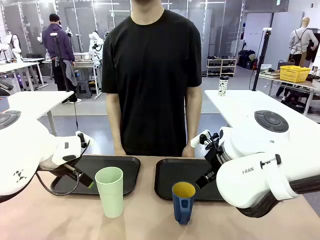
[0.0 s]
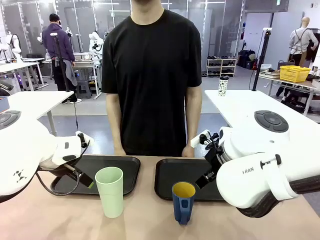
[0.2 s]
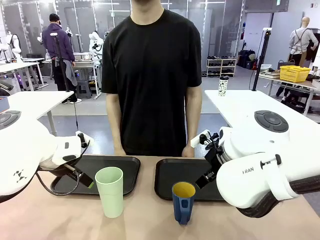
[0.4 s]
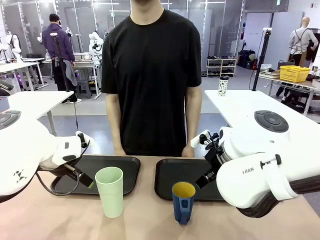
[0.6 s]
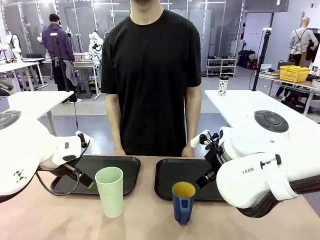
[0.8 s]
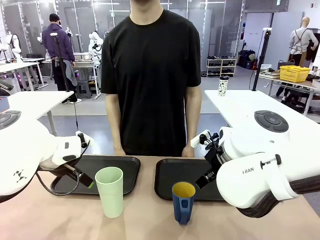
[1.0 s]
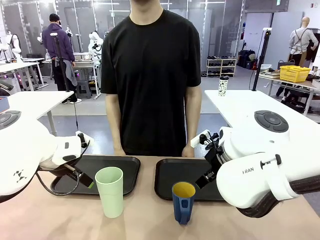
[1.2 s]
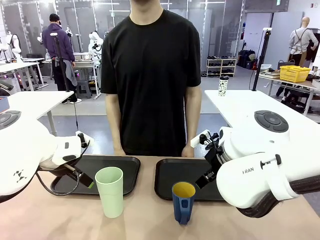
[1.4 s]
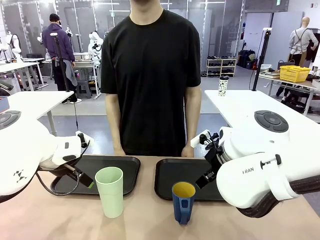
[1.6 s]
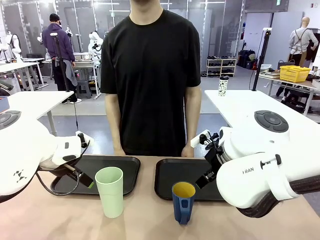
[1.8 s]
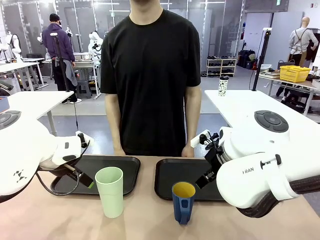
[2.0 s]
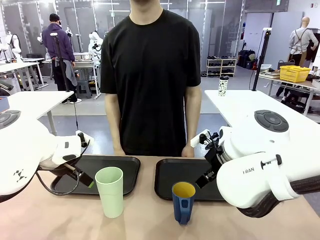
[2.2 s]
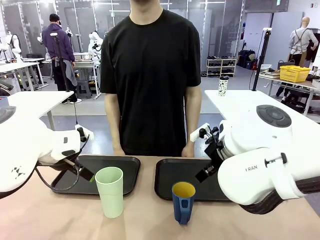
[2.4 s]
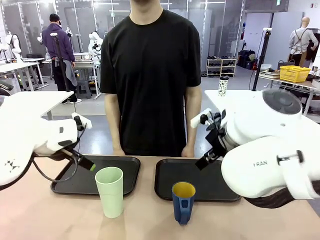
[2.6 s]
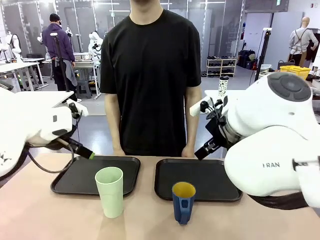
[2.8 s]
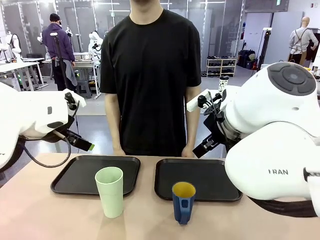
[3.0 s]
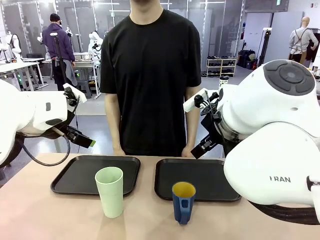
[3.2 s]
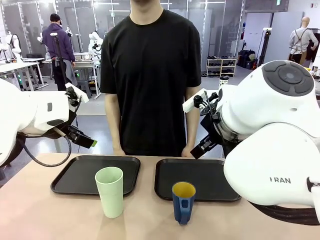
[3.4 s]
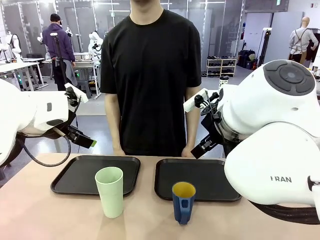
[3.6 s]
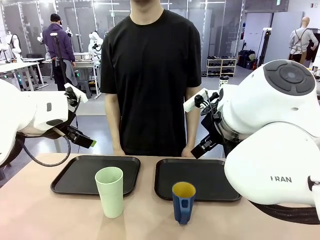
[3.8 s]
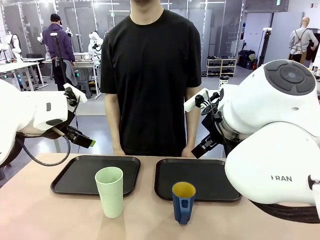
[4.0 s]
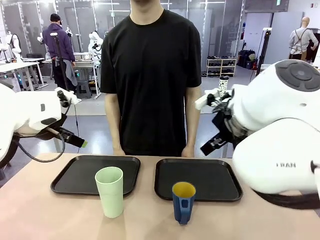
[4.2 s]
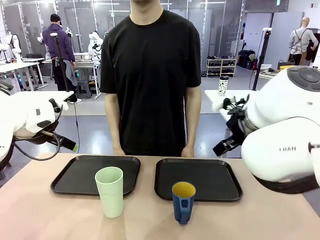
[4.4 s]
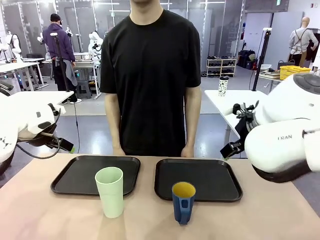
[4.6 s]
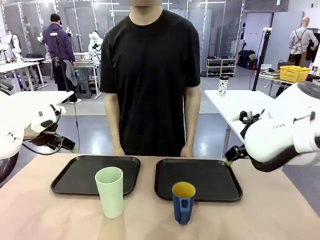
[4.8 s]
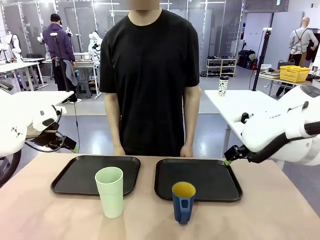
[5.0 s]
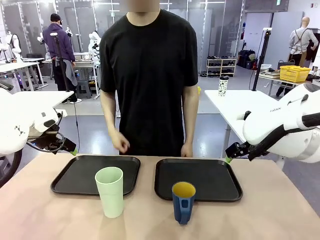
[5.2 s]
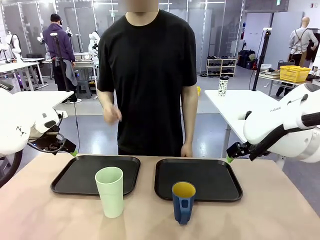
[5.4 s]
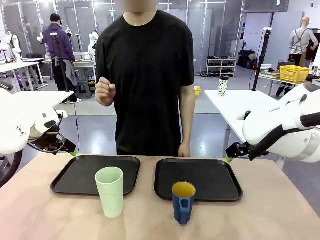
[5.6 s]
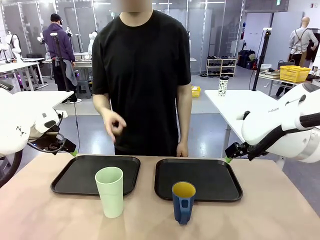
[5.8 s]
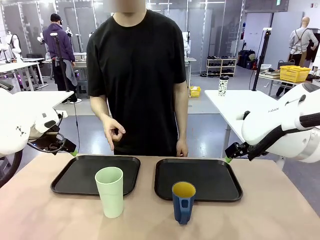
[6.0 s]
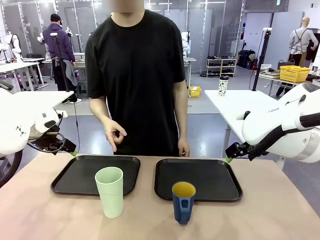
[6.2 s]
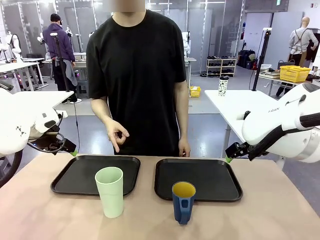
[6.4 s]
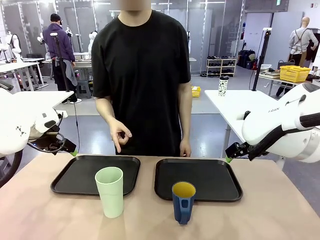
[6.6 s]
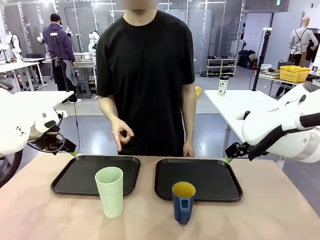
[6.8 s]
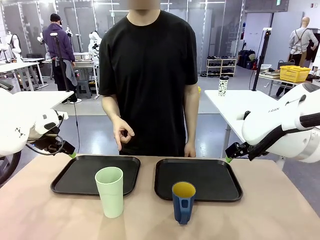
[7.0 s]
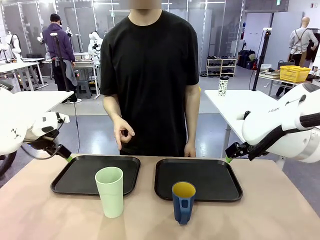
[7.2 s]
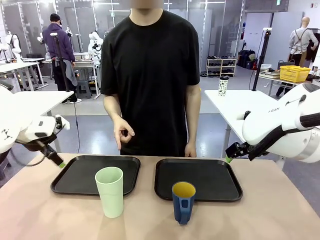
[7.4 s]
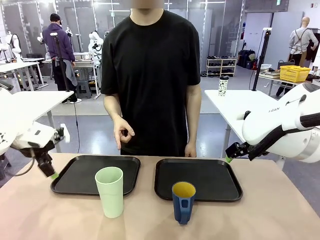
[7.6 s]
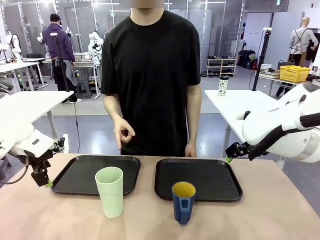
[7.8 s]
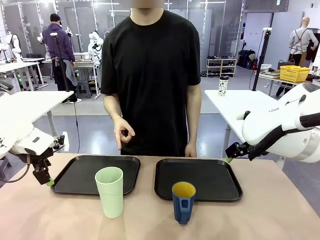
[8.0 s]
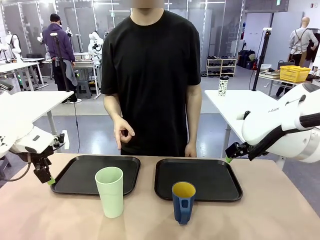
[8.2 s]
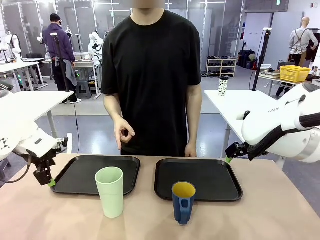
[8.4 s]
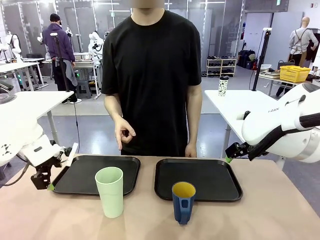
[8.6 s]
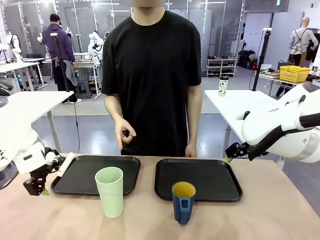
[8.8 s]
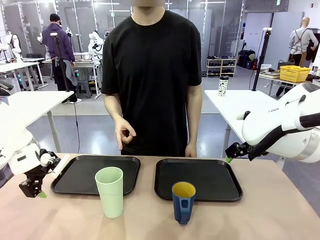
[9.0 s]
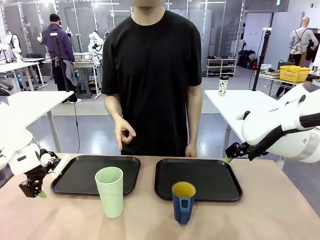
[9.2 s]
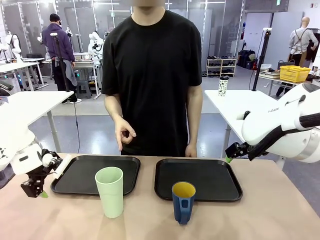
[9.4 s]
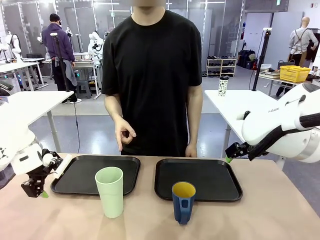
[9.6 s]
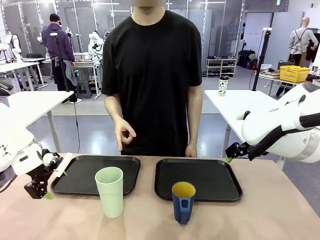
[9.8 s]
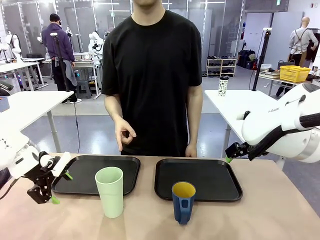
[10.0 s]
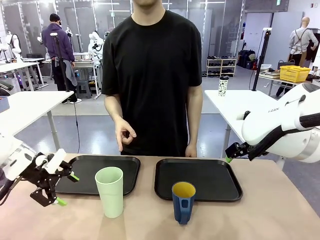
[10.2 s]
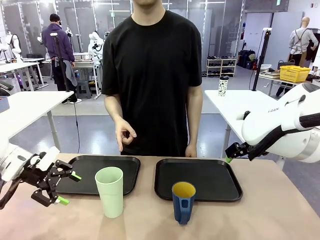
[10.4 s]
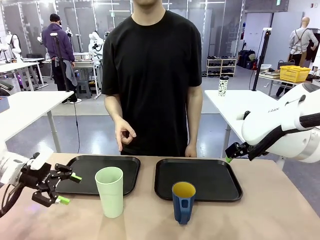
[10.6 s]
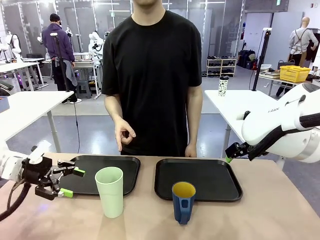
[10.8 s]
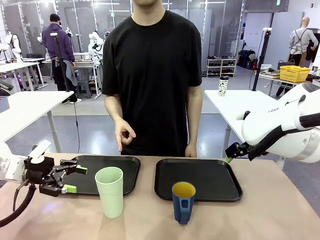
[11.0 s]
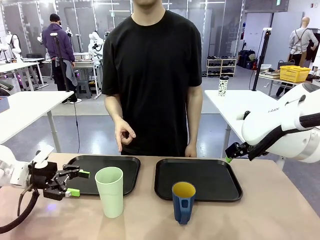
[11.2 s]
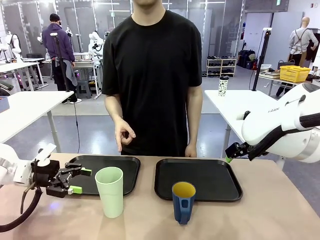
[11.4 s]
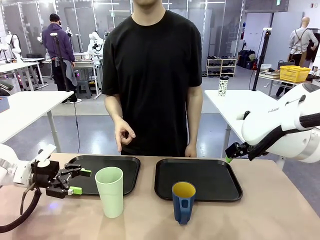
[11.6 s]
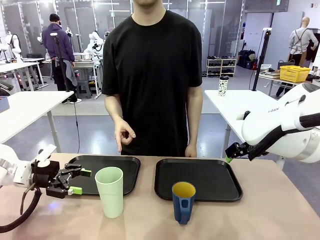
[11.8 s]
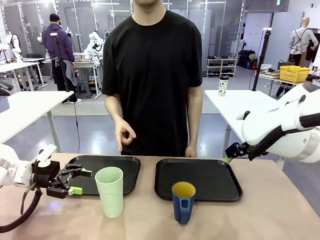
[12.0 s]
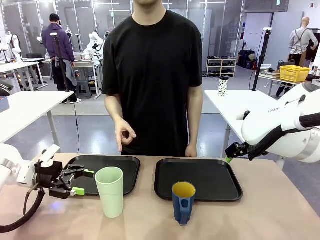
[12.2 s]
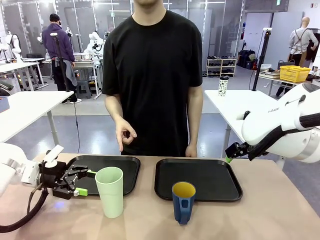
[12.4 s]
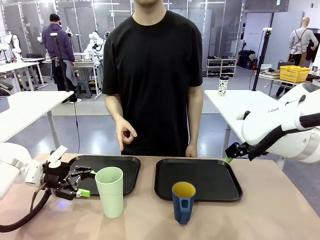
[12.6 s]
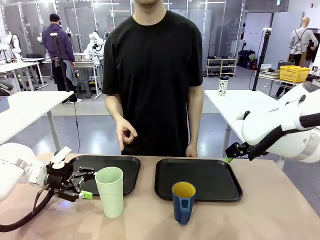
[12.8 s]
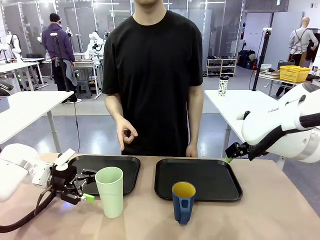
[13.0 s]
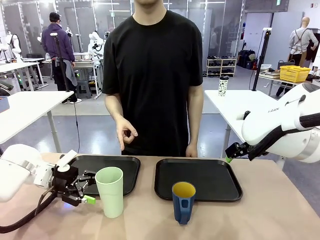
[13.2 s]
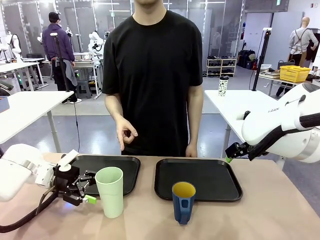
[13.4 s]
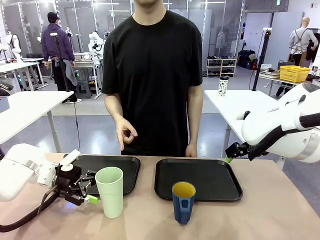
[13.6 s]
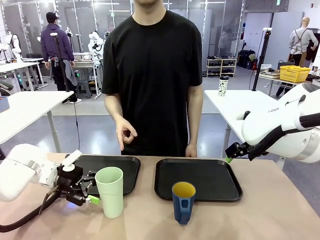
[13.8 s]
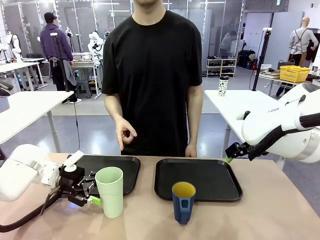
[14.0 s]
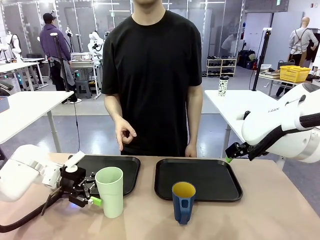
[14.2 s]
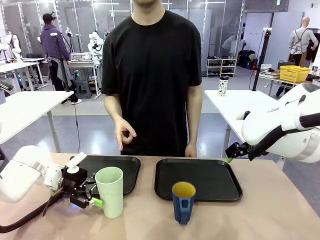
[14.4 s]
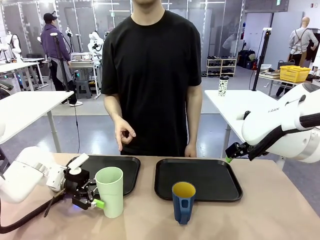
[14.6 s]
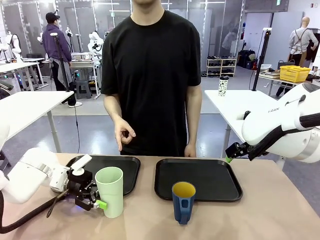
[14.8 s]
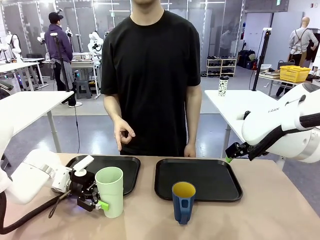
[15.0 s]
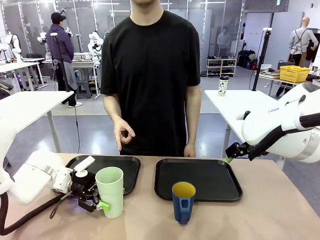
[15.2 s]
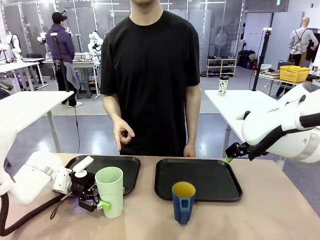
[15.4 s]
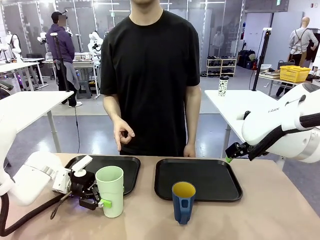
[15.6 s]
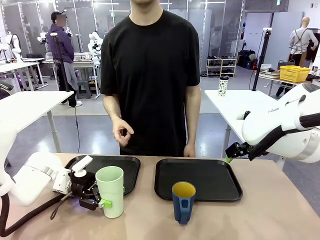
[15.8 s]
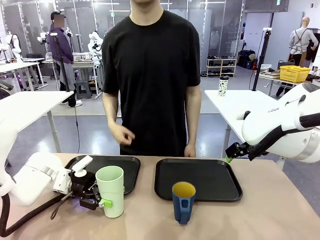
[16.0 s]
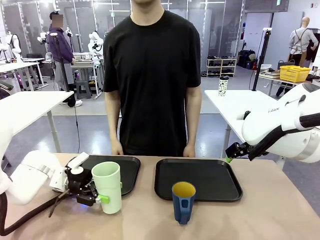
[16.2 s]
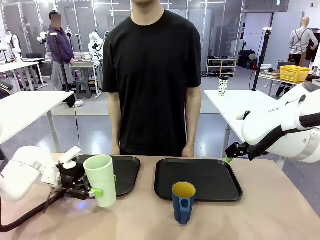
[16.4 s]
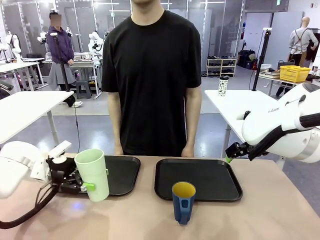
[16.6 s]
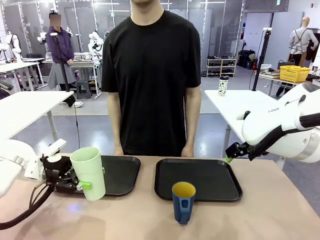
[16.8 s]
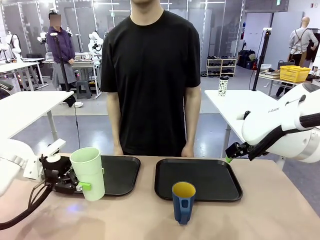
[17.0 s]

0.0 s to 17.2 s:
Task: Sort and store the cups by type.
Robot: Pick up the Reusable plastic cup.
Person: Points to the reusable cup. Point to one of the two trays.

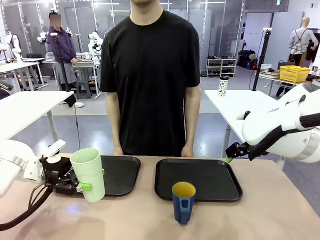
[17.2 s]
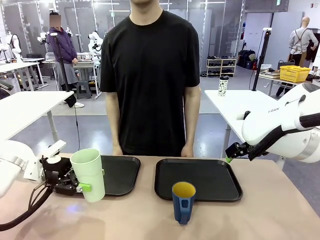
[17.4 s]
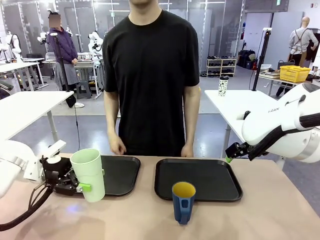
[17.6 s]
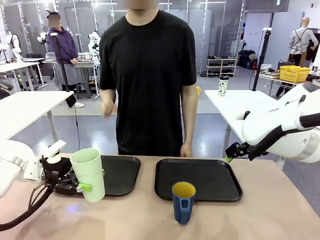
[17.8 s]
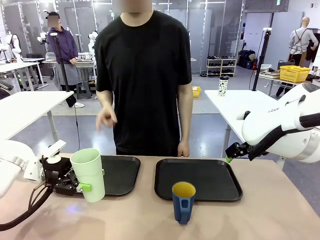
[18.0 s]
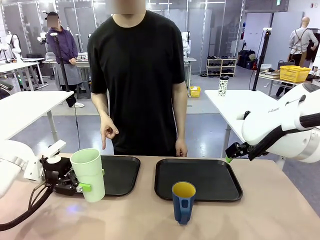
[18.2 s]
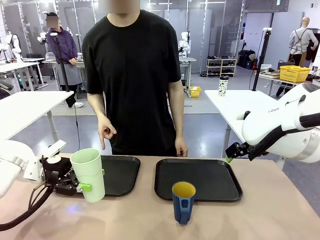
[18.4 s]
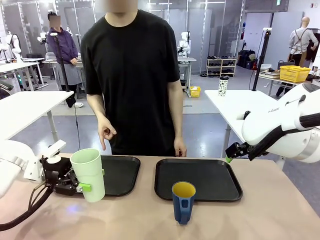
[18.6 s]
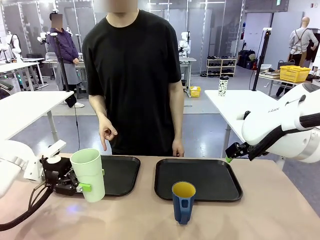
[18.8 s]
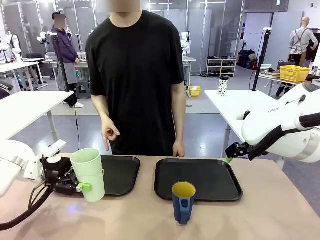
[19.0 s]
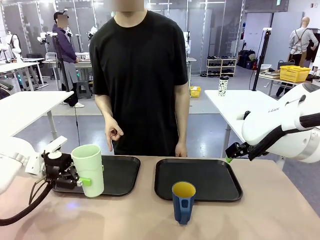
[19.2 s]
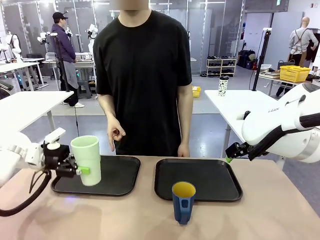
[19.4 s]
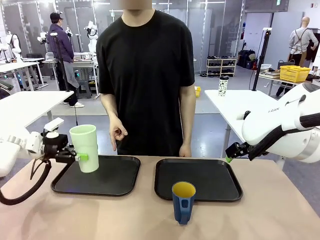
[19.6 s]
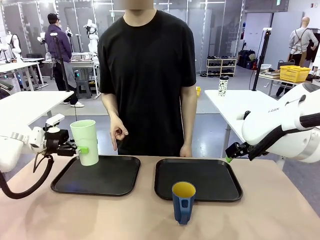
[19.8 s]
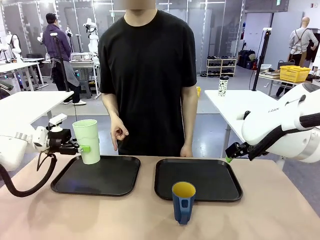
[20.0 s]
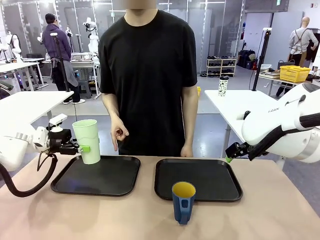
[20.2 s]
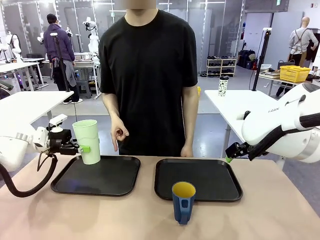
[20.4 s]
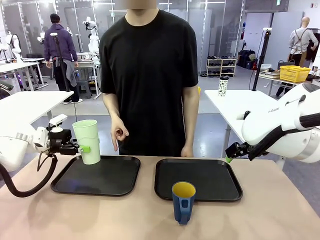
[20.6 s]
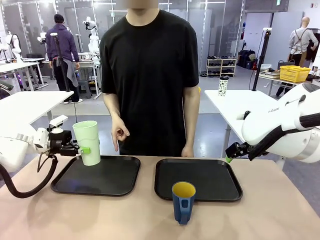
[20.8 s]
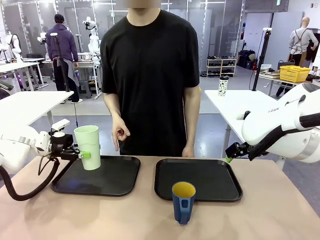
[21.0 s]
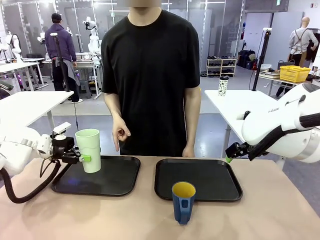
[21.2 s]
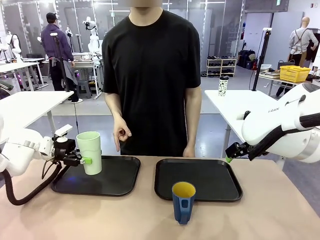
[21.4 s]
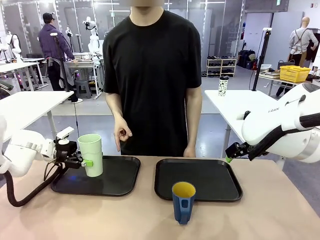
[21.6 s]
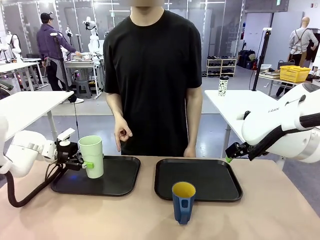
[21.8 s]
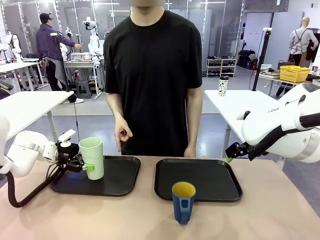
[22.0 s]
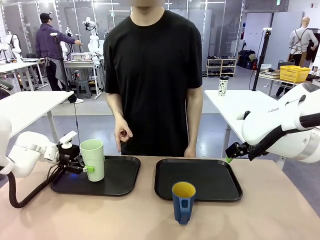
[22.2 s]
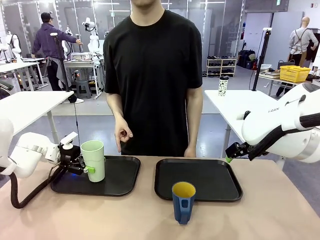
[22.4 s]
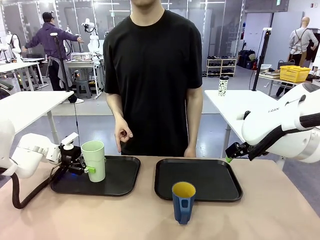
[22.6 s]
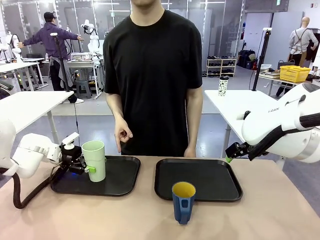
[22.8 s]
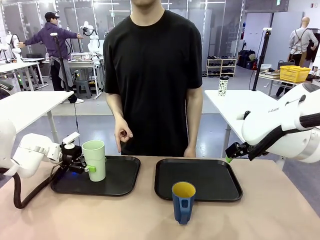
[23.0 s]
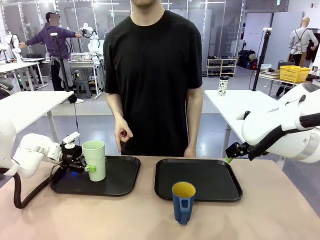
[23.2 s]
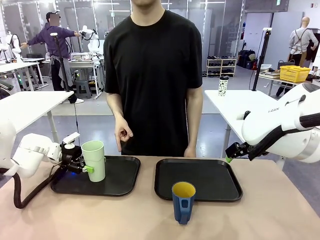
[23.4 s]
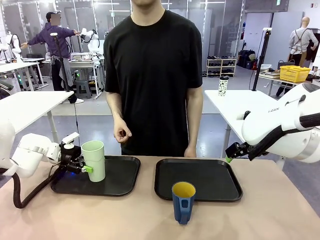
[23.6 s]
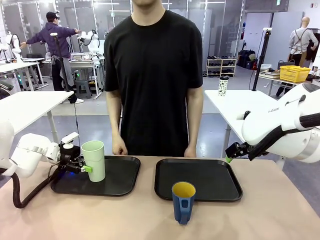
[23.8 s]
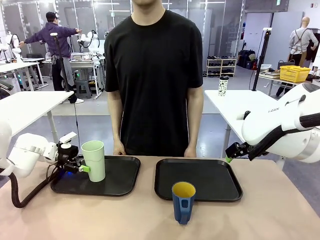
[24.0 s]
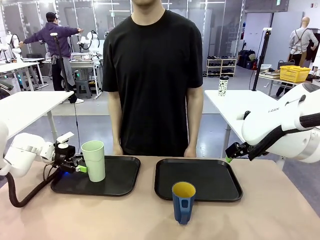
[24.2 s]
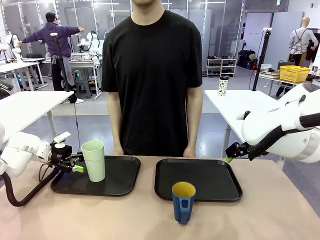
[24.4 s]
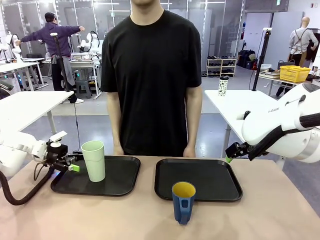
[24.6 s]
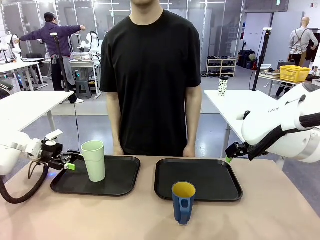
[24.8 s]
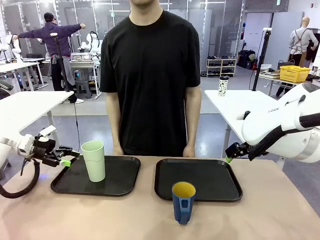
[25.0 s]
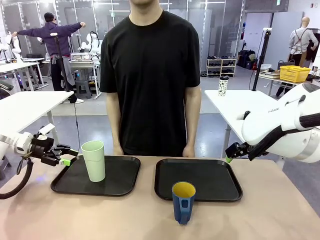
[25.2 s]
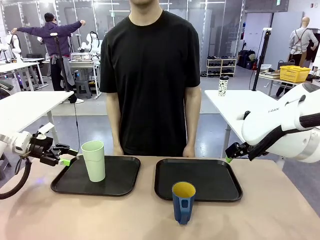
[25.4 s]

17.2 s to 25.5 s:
Robot: Place the picked Reusable plastic cup into the Flat Tray indicated by the person.
